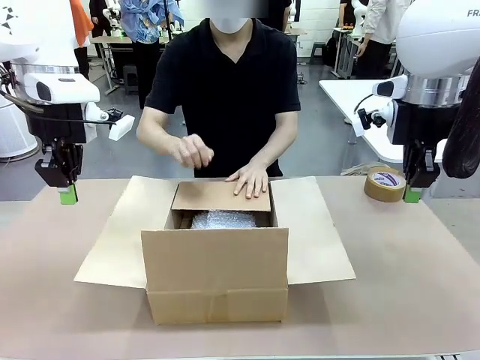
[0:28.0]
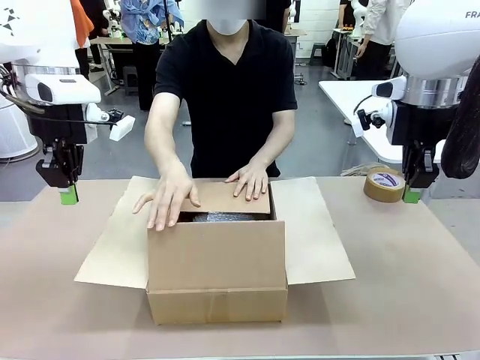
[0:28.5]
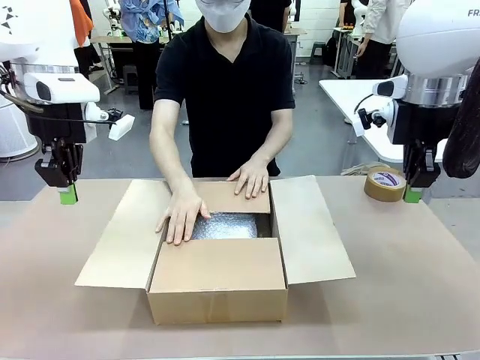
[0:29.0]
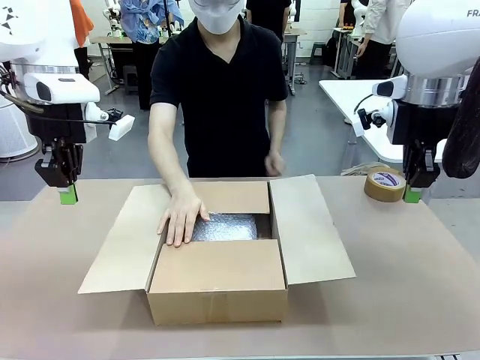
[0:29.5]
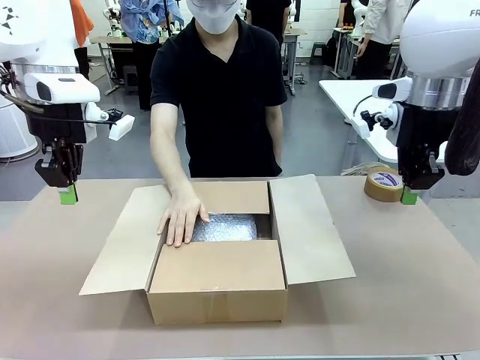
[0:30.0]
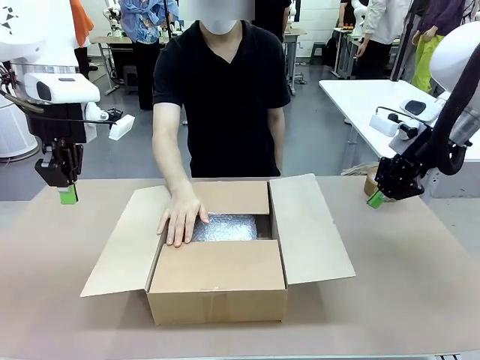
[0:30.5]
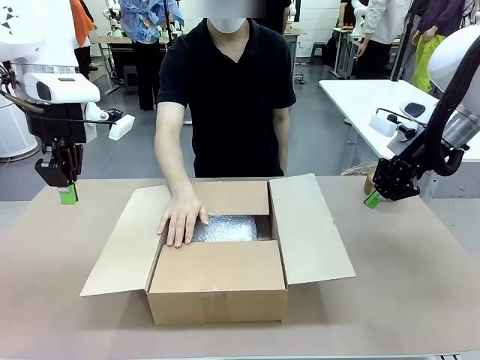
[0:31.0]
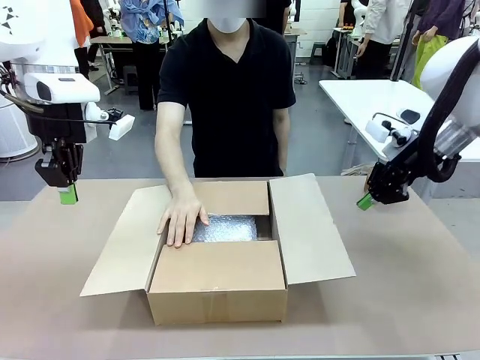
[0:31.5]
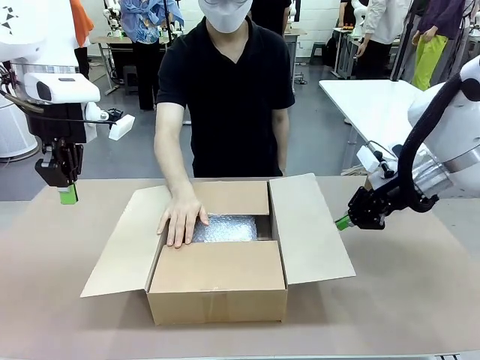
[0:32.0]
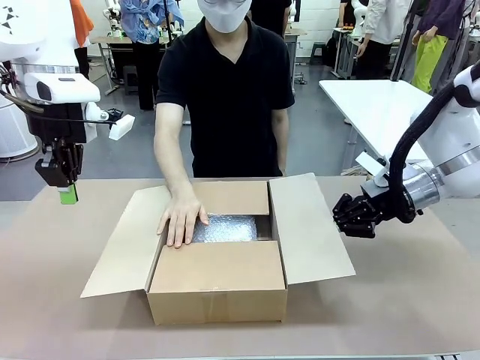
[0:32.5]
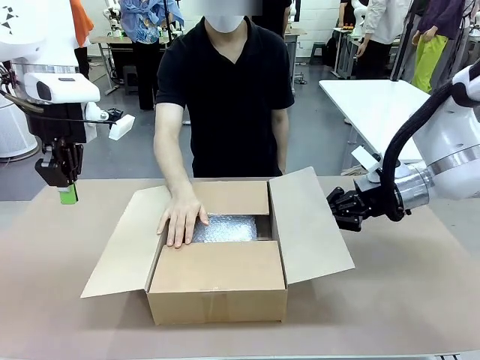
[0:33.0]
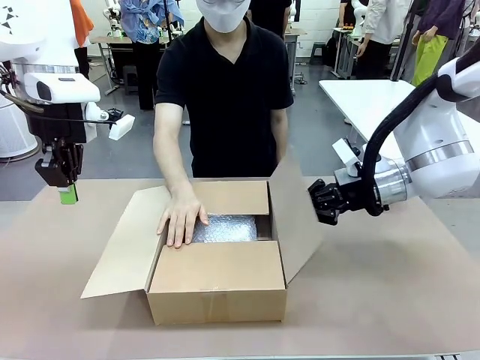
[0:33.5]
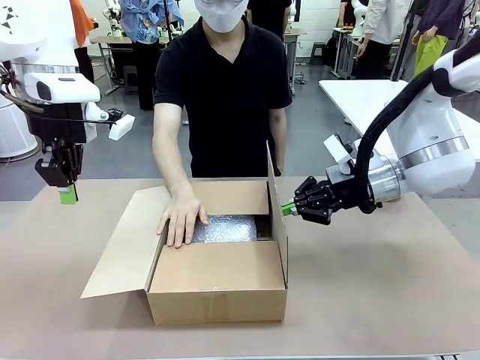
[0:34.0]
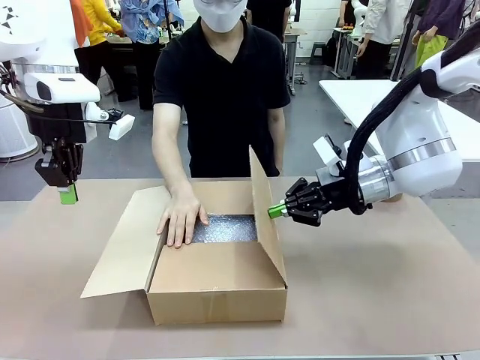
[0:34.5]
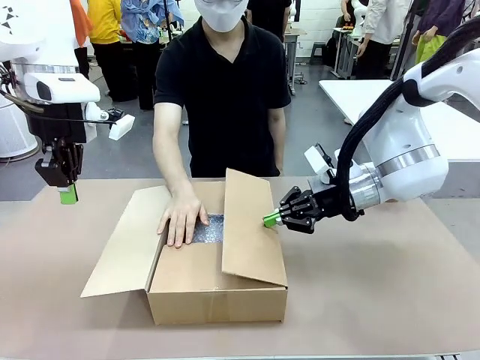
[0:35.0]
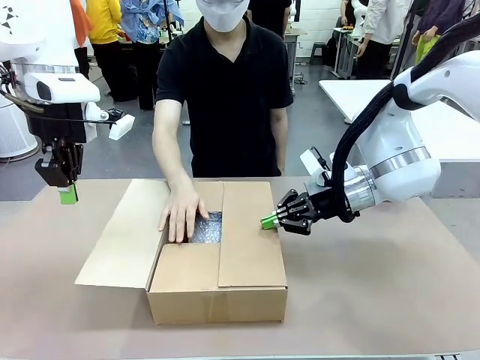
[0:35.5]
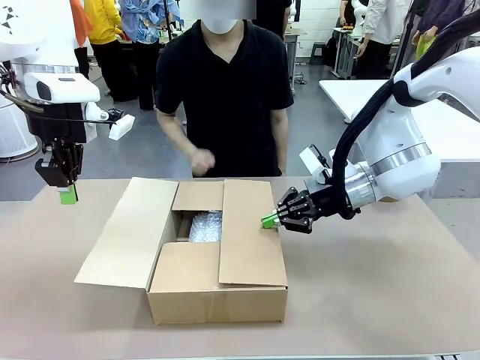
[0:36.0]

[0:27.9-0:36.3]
Task: Wrap the clocks to prevent damage.
Robot: Push the right (or left) flap of the Package Box to close it.
Person: Once the robot closes the right flap of the Package Box , release your left hand from the box.

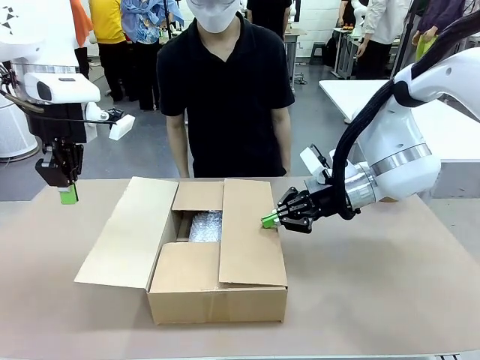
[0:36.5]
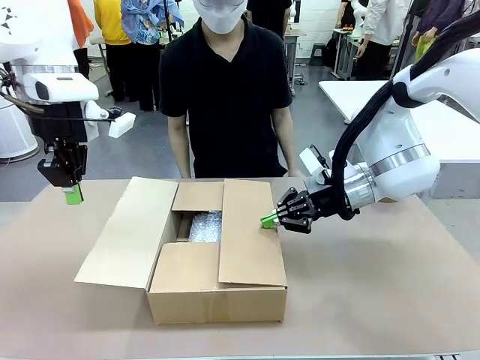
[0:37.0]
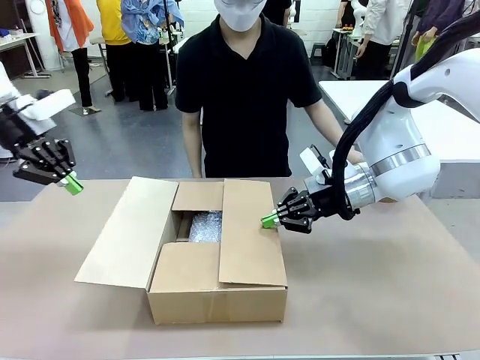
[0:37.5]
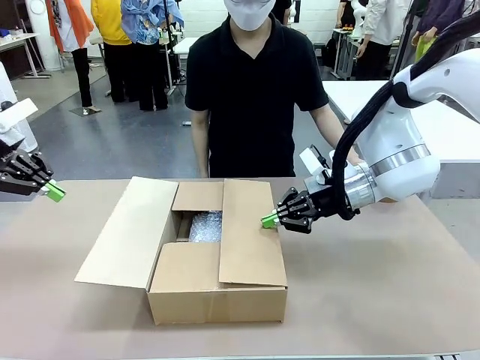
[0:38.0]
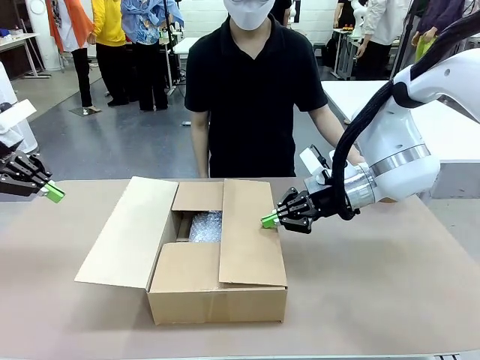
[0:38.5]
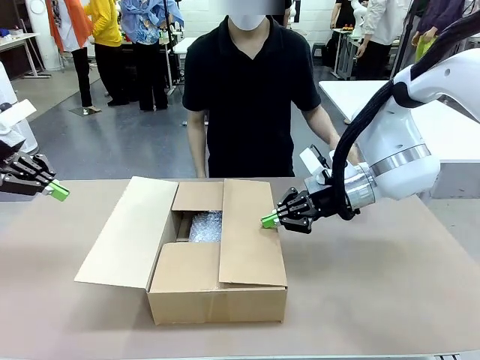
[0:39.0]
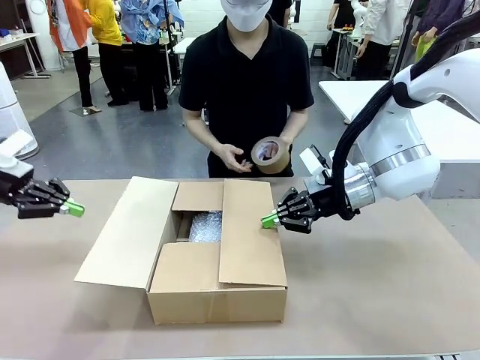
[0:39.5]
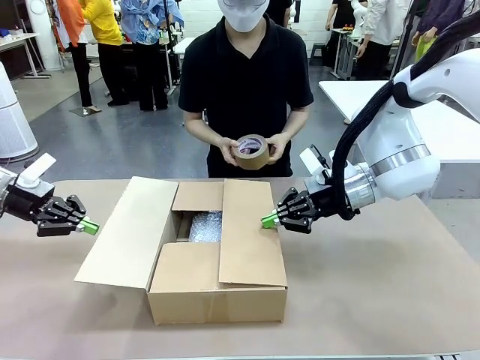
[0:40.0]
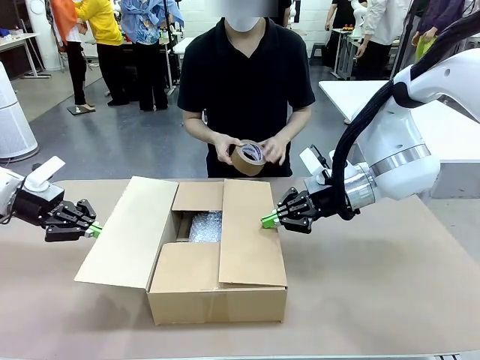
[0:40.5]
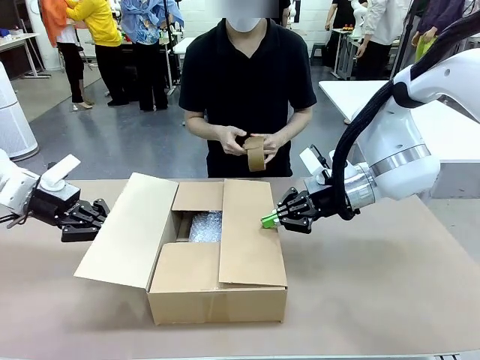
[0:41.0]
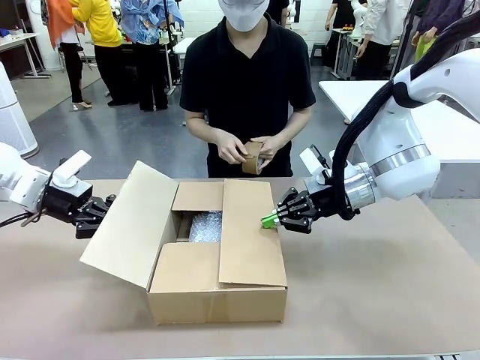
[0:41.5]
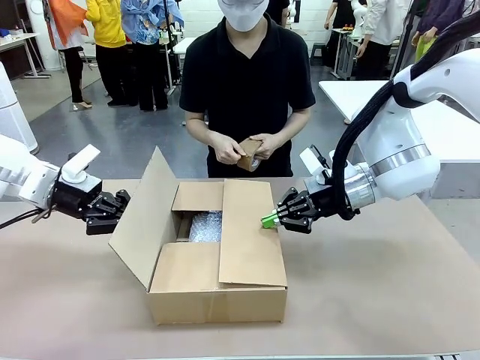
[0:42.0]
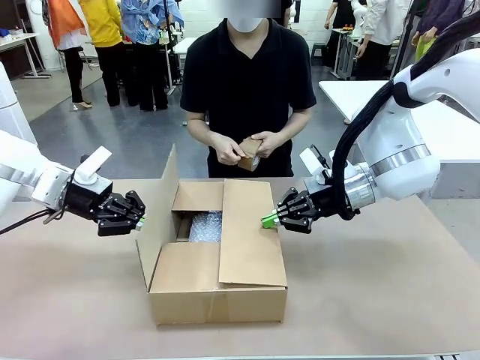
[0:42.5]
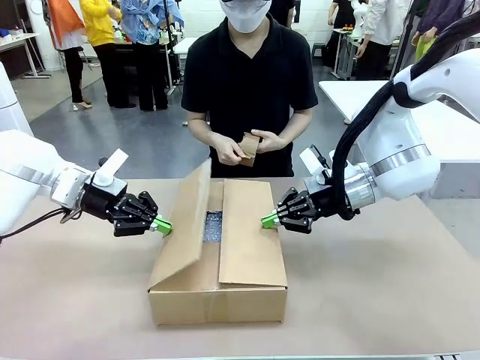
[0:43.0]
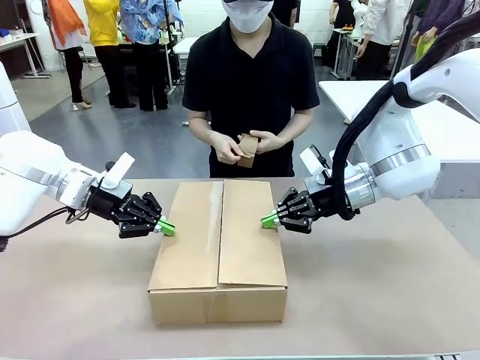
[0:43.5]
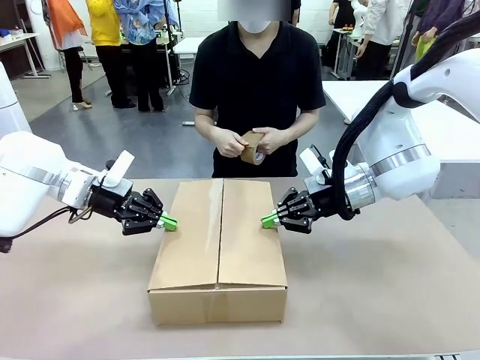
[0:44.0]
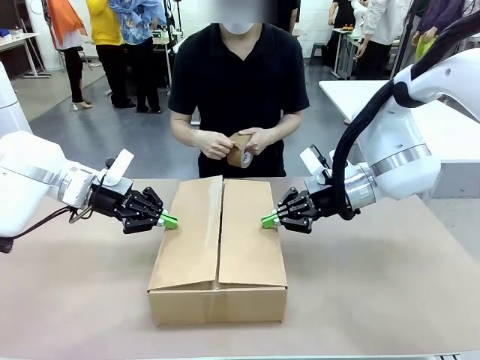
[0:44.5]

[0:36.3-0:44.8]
Robot: Push the left (or right) flap of the Package Box to close it.

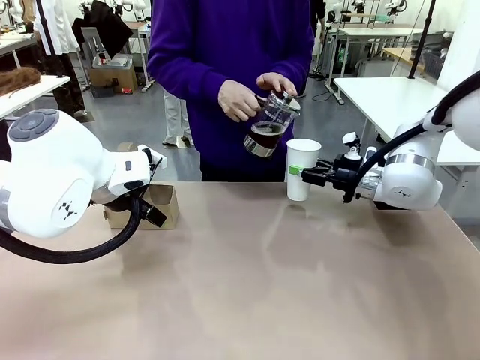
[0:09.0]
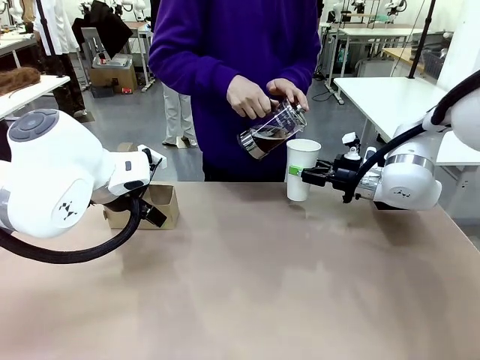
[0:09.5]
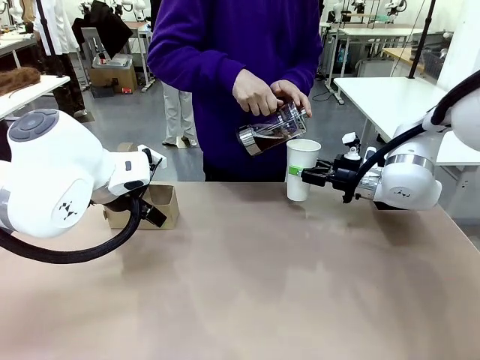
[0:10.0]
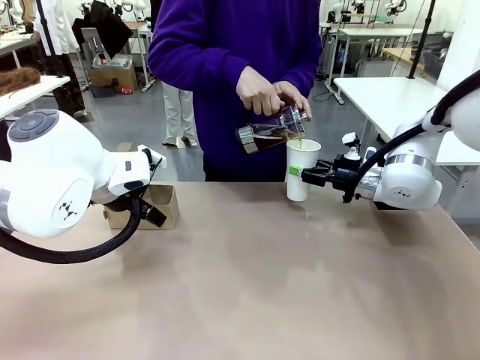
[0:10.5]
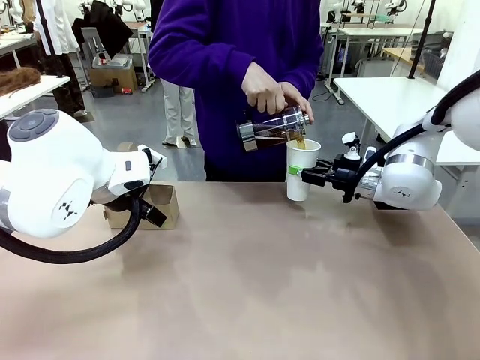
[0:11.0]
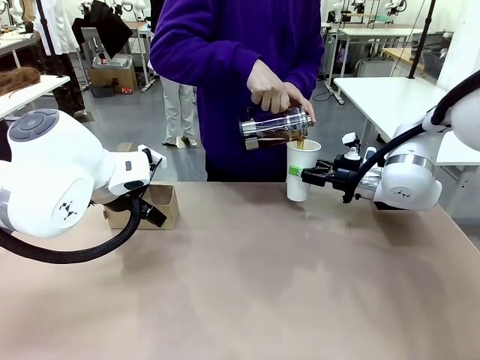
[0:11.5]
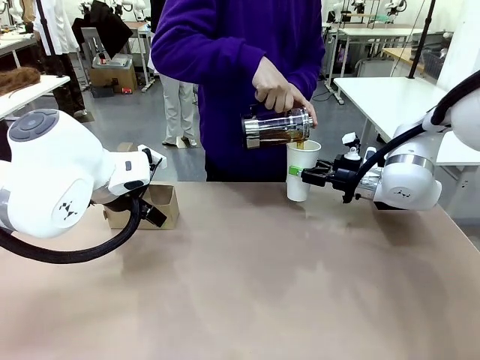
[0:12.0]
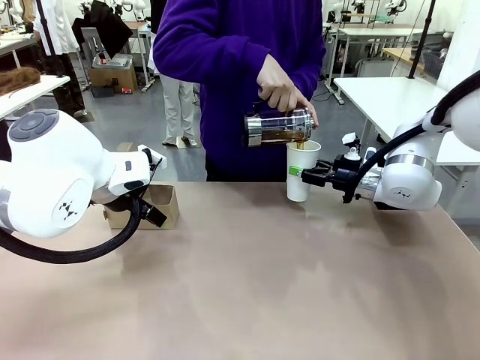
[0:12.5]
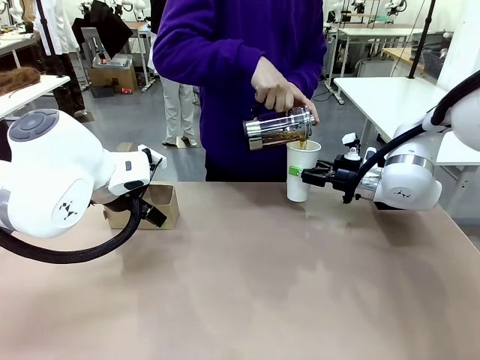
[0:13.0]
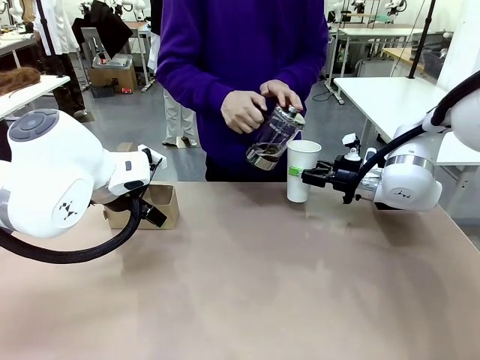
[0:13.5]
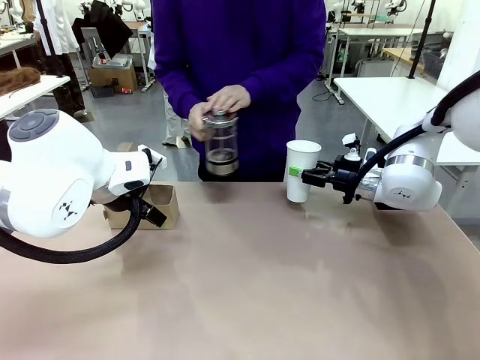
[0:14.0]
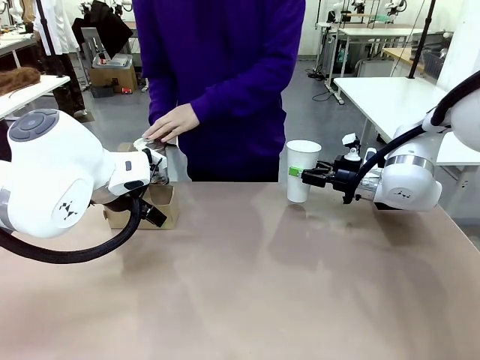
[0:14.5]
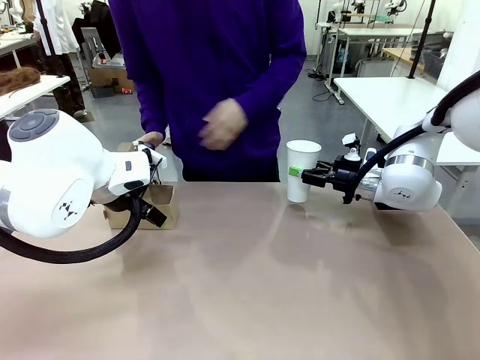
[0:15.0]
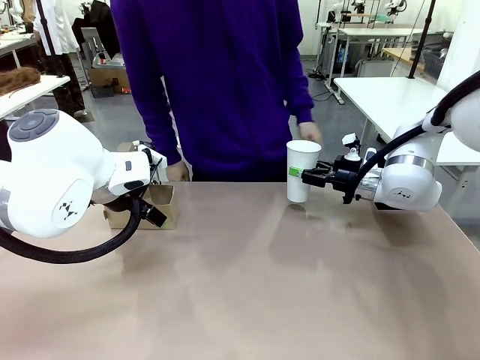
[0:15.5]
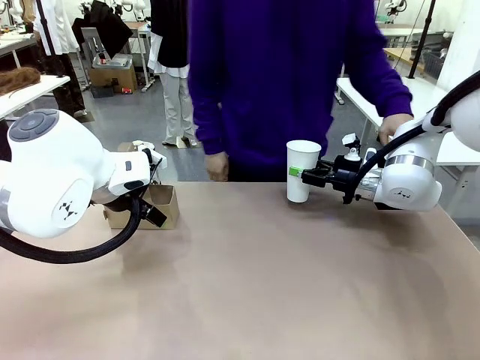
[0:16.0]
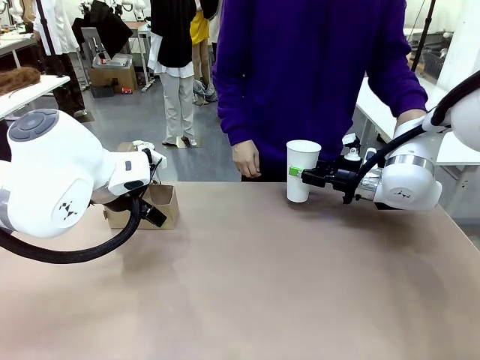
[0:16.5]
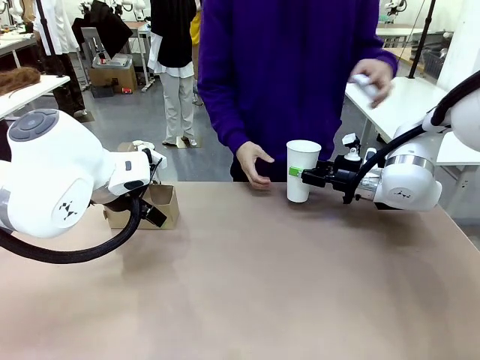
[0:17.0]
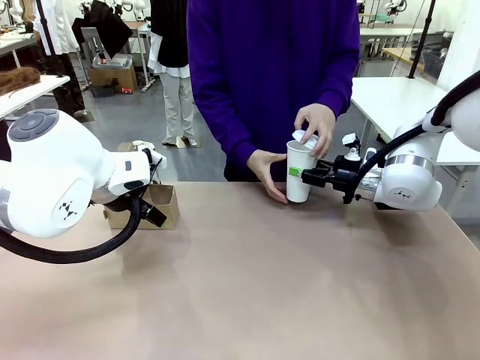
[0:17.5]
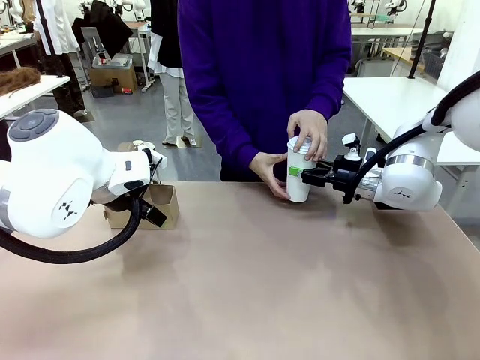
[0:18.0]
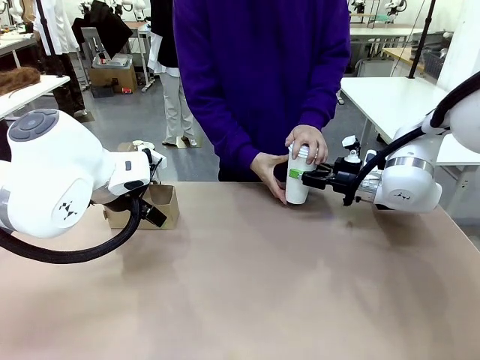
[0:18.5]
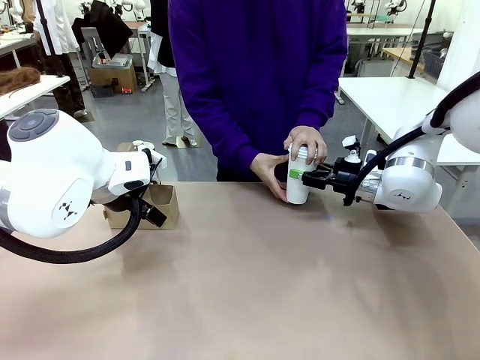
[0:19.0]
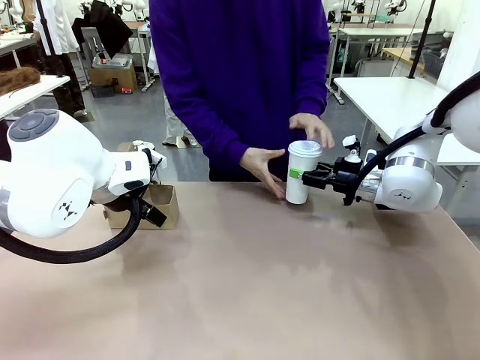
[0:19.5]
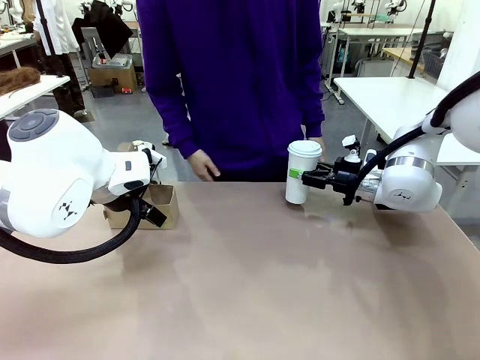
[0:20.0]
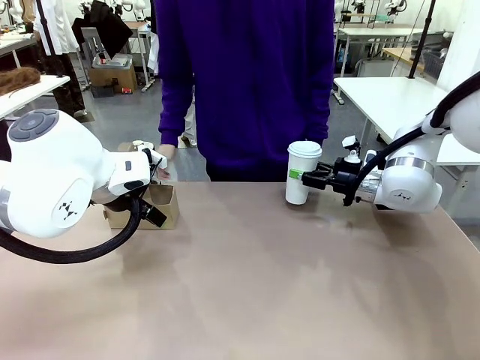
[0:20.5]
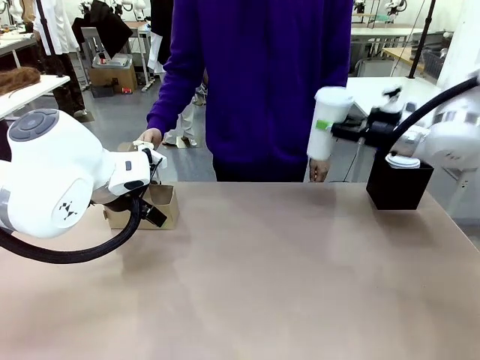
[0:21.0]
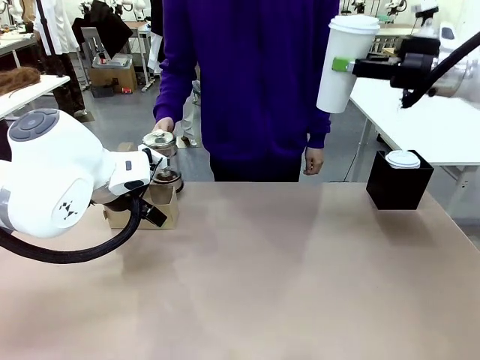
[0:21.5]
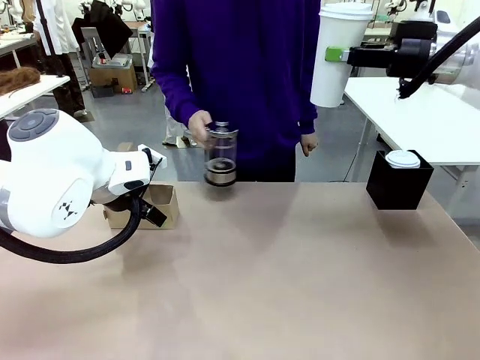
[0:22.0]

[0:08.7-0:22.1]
Task: Pour a drink into a cup and package it in a carrier.
Robot: When a person places the Paper Cup Lid on the 600 ml Paper Cup , lift the 600 ml Paper Cup.
Person: Pour the drink from the Filter Brewing into the 600 ml Paper Cup. Place a Paper Cup Lid on the 600 ml Paper Cup.
